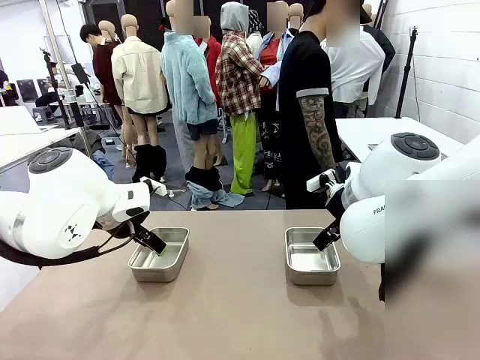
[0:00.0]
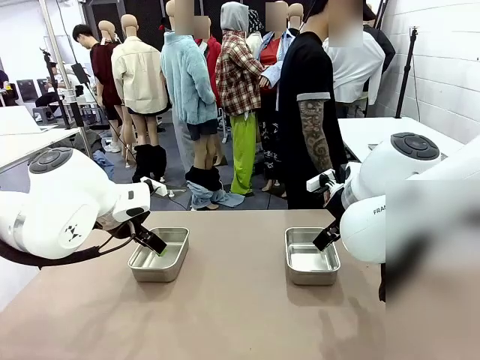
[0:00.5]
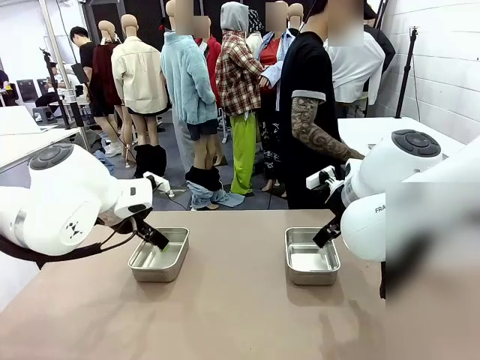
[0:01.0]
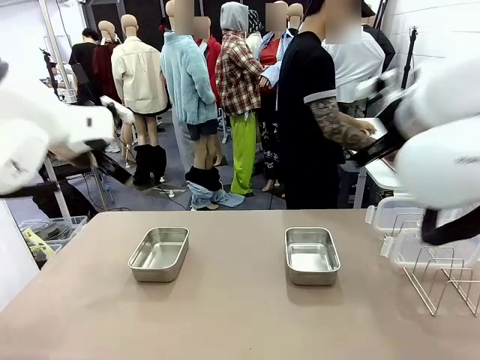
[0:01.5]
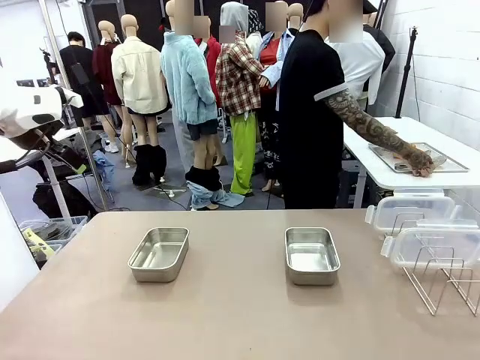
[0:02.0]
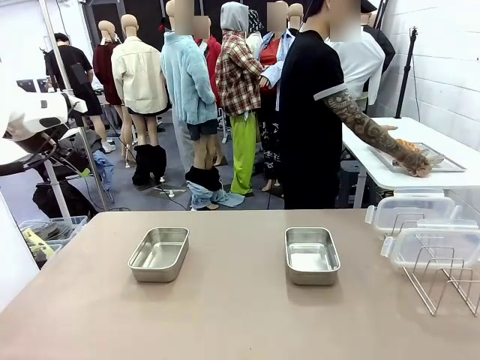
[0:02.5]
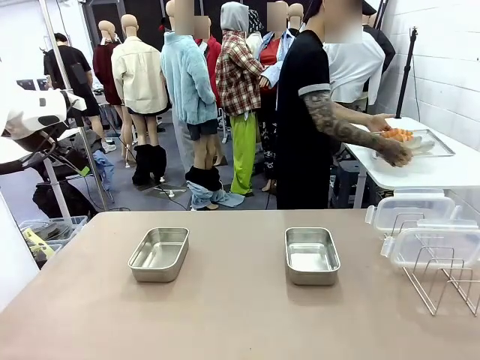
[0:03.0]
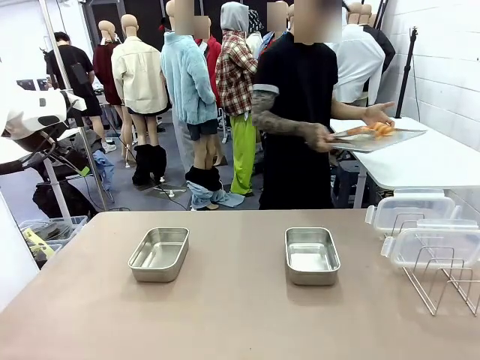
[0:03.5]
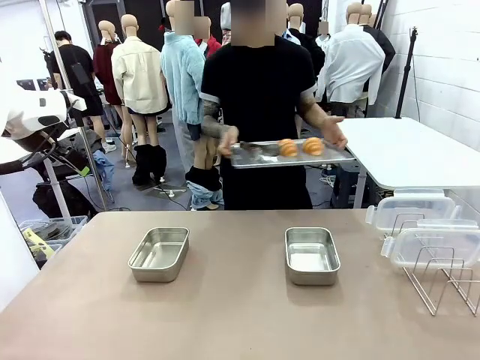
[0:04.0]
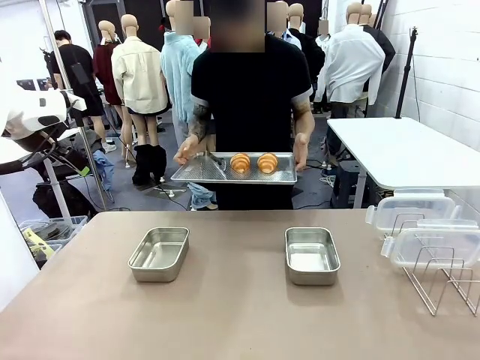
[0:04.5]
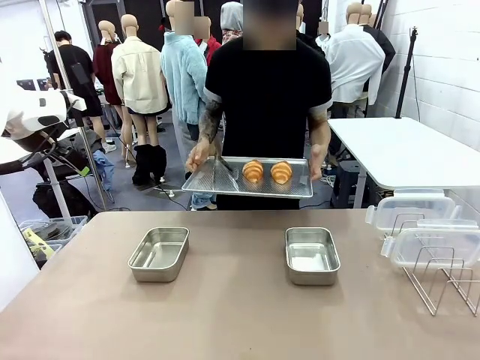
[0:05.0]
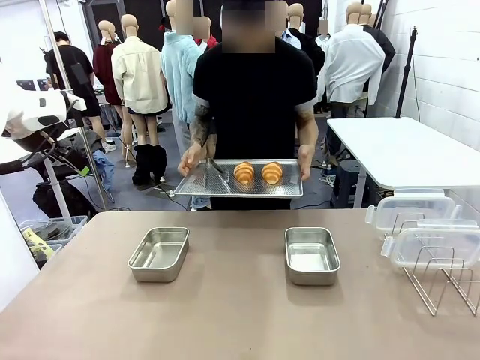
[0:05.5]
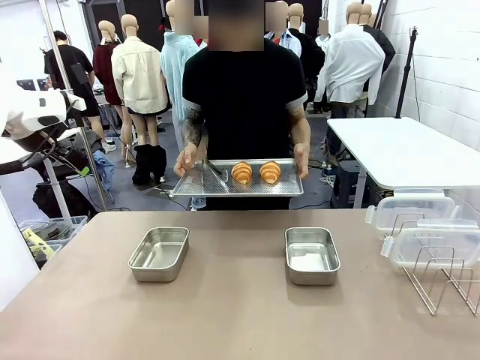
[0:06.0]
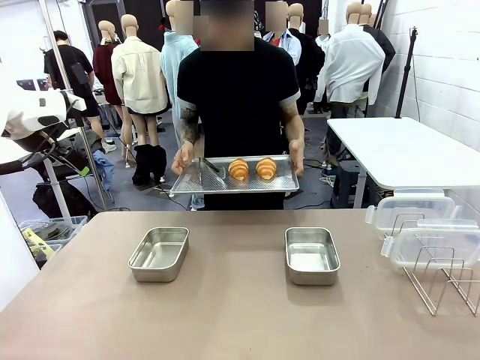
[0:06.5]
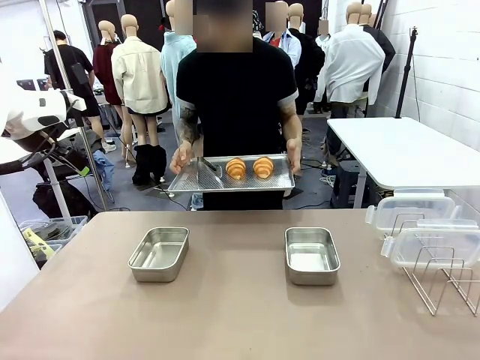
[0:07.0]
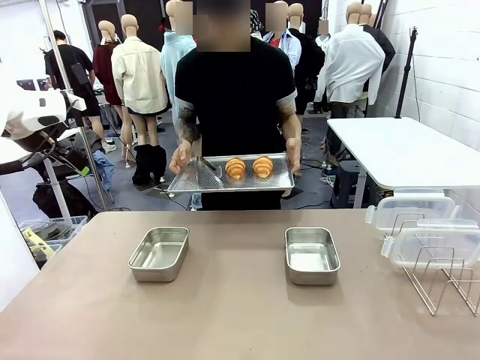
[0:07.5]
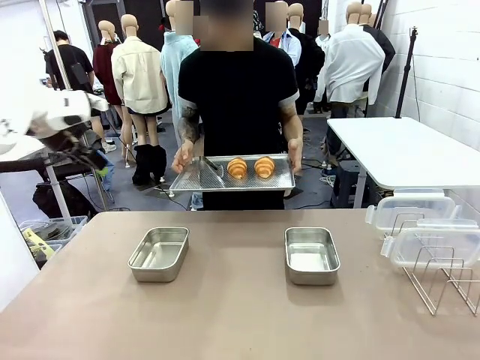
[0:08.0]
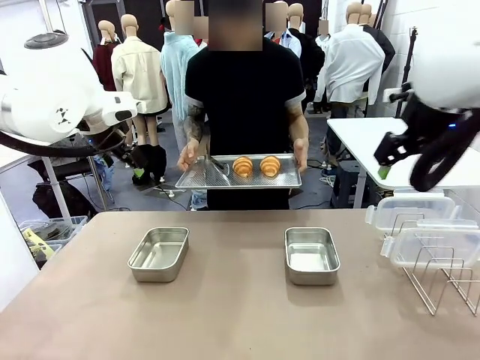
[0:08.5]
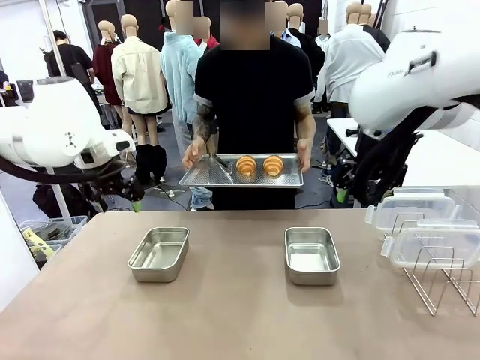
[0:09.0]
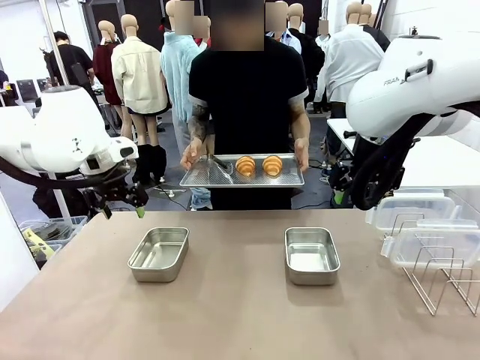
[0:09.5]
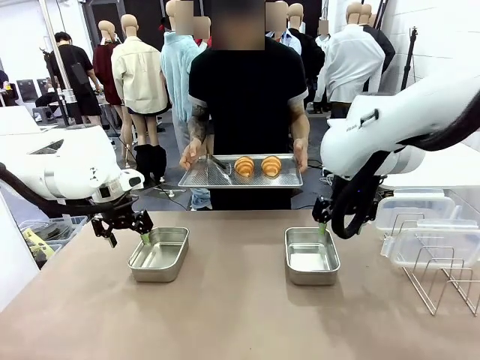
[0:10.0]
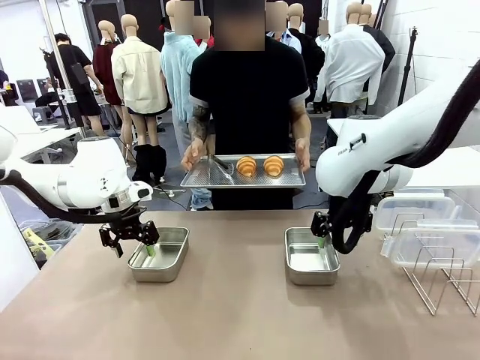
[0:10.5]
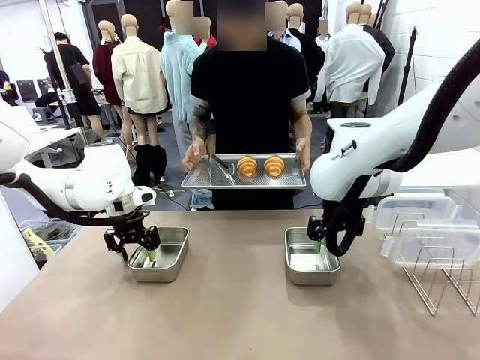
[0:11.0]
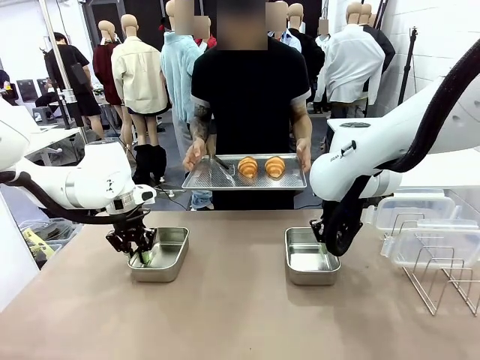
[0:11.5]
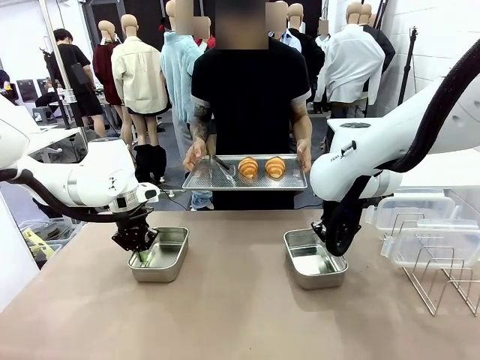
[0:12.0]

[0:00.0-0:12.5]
Task: Place the bread in airtight containers.
Robot: Lift both Airtight Container.
Person: Bring the Baking Sheet in front of Robot's Table.

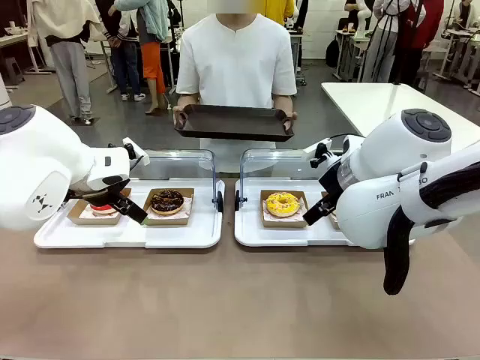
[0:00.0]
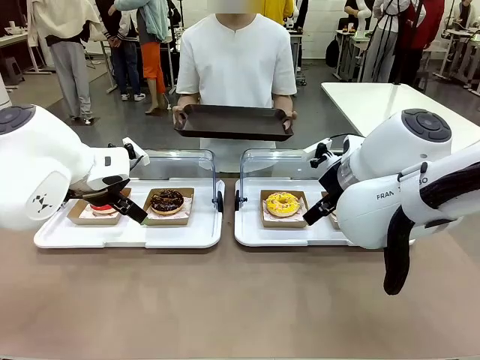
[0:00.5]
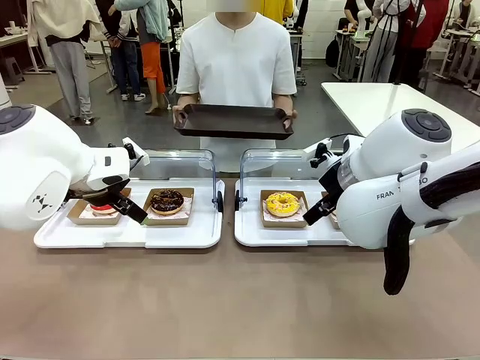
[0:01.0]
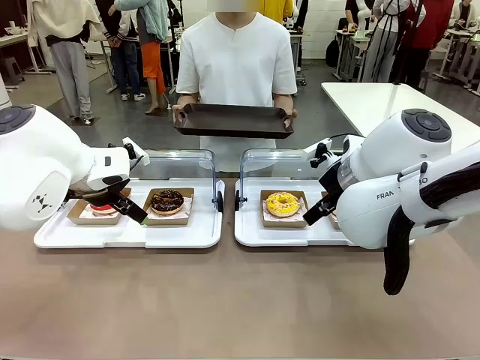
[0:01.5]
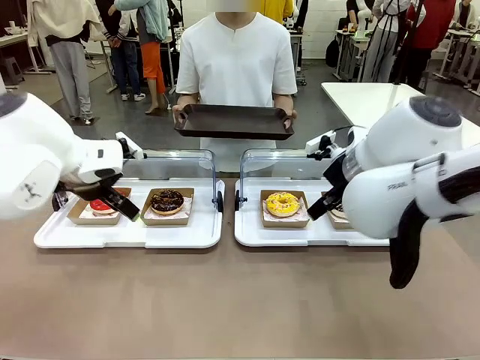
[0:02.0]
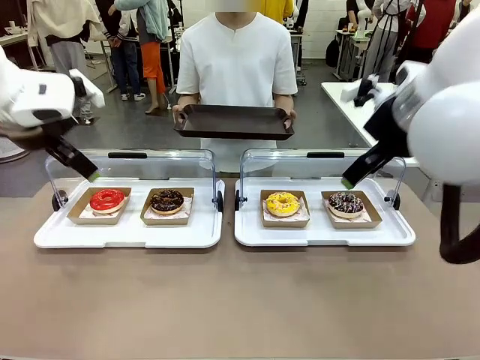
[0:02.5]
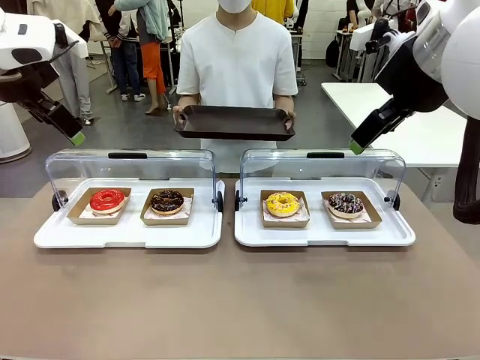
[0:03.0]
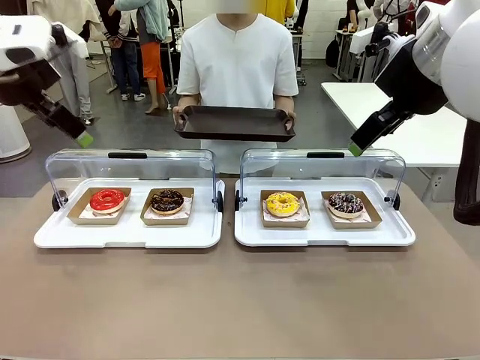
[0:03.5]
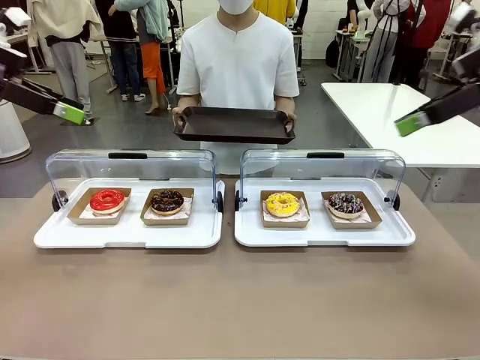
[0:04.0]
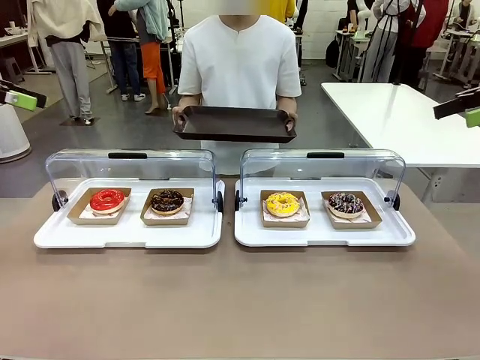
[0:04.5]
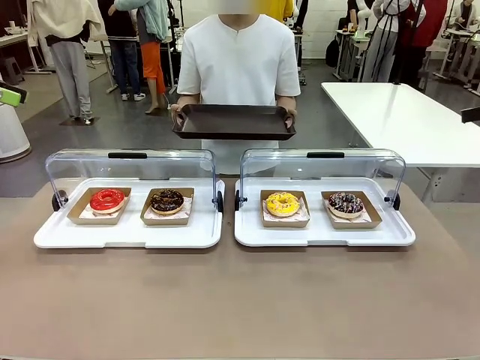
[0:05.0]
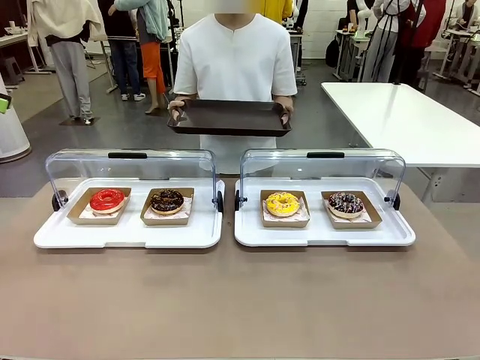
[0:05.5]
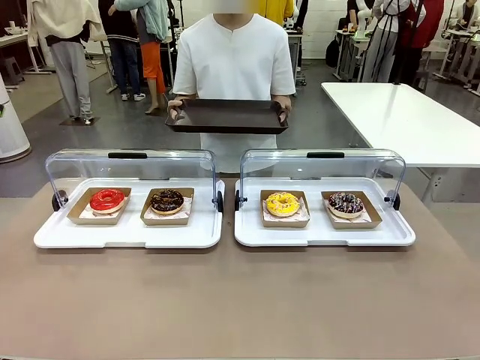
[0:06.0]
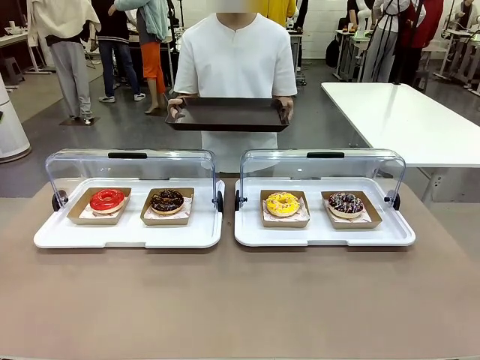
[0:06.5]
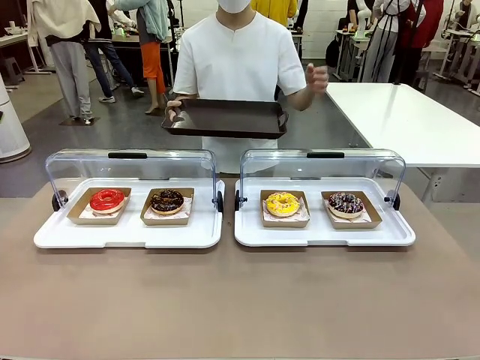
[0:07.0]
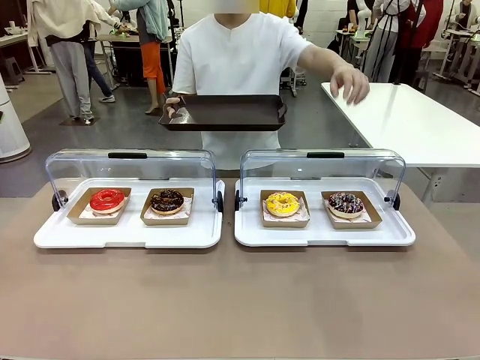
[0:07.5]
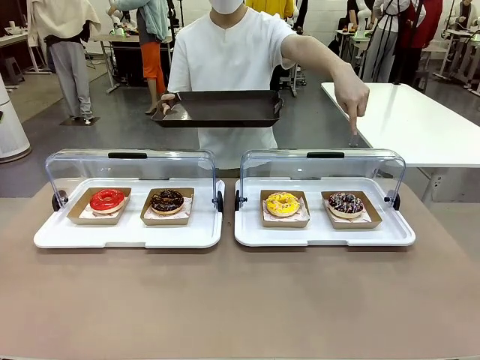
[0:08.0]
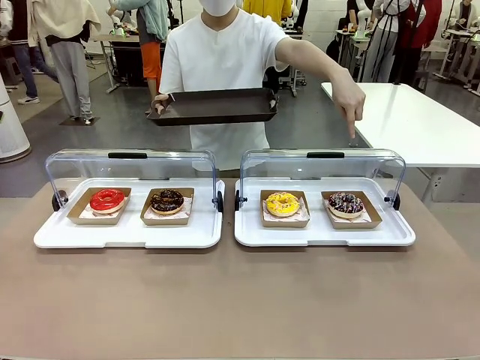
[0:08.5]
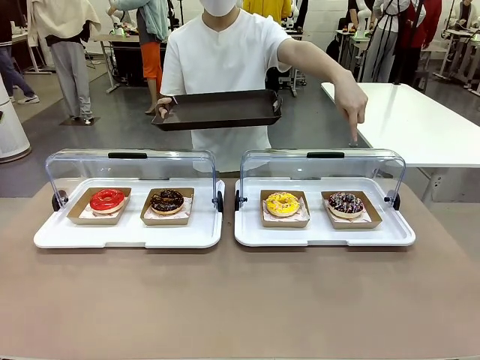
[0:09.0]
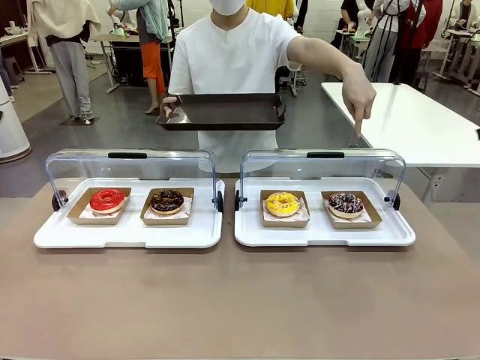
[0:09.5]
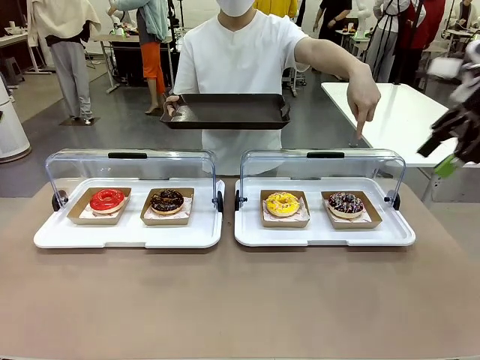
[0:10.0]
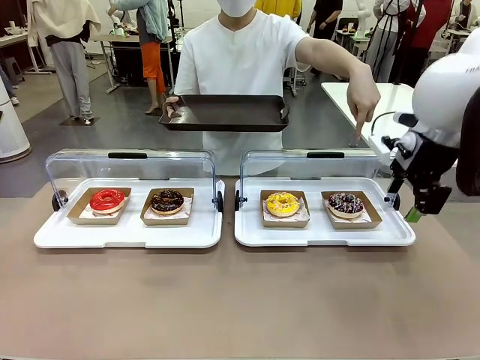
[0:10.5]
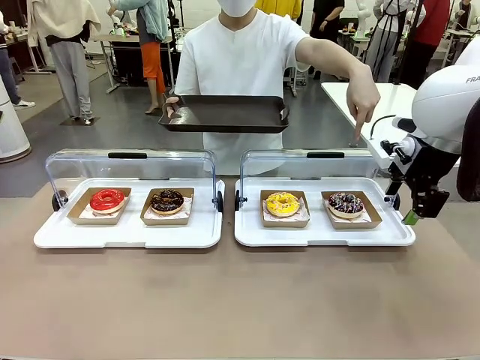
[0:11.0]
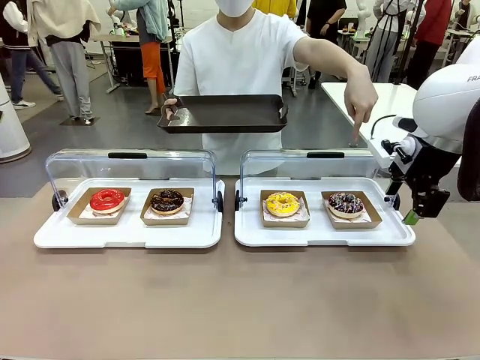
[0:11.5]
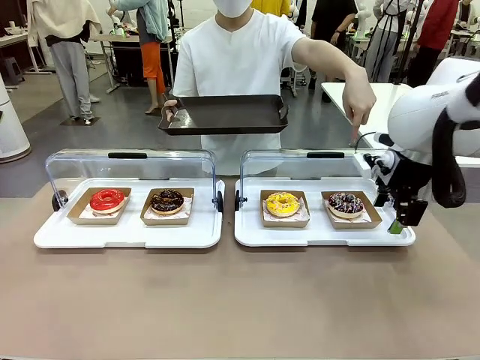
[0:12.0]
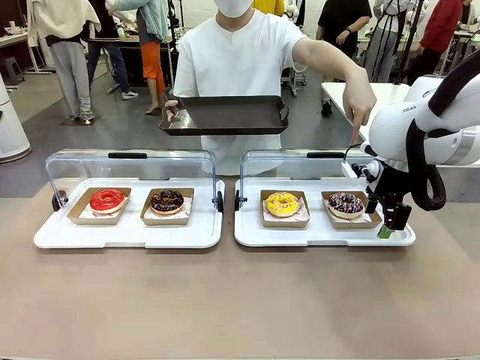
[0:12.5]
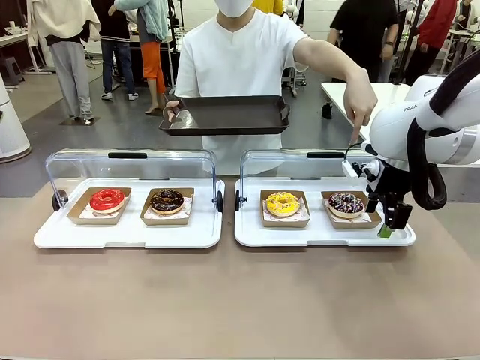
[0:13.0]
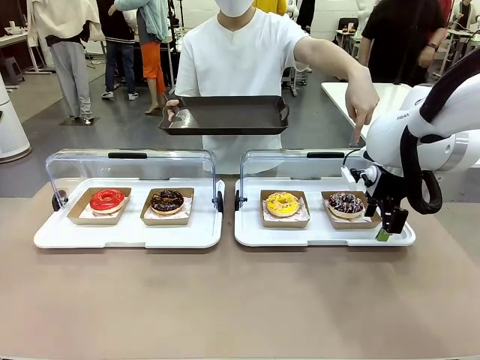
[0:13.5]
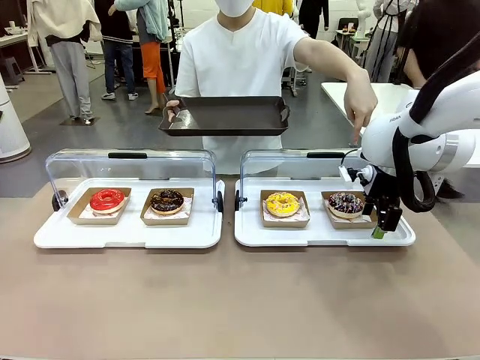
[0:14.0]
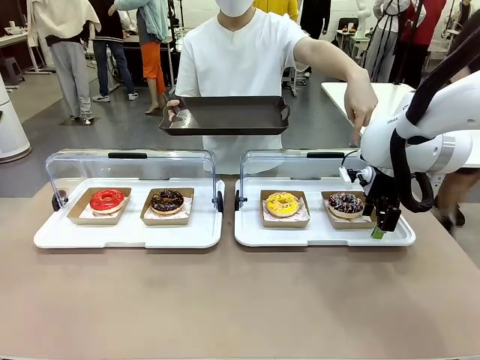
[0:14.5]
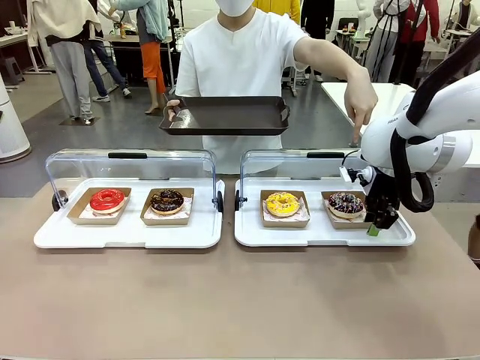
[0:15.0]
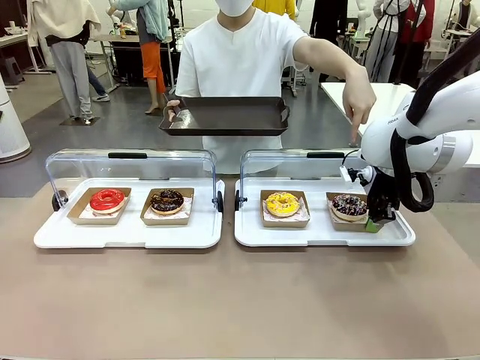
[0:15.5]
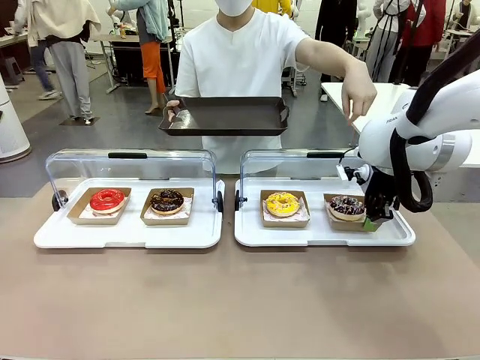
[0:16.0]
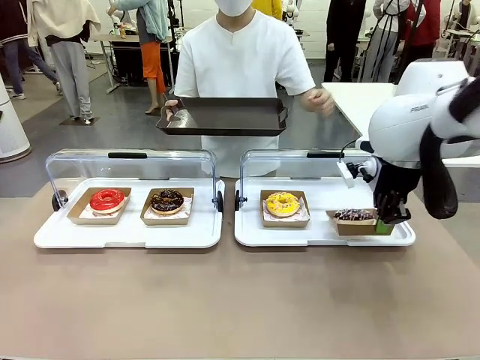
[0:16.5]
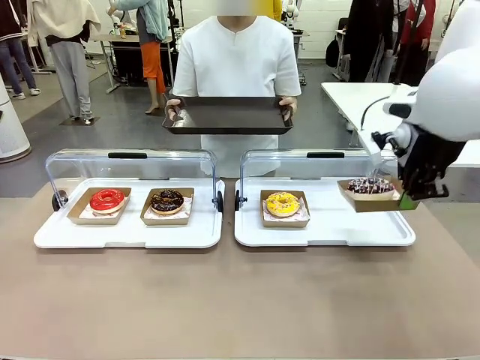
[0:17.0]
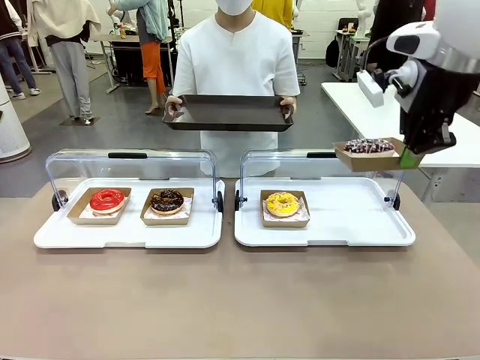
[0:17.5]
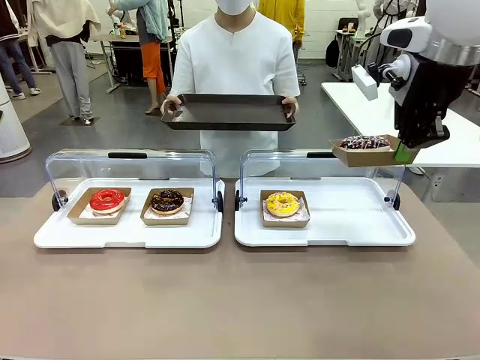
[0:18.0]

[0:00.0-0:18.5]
Task: Provide the desired donut to the person.
Robot: Pick up and lift the Paper togo box containing the Donut pointed at by the person.
Person: Point to one donut. Lift the tray onto the Roll-Top Bakery Case.
